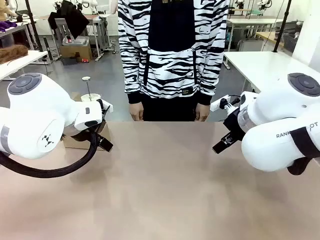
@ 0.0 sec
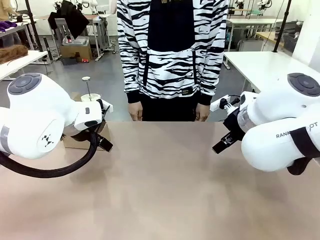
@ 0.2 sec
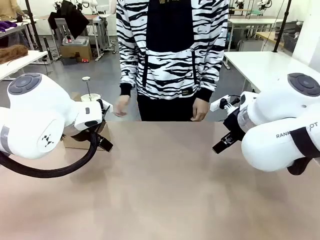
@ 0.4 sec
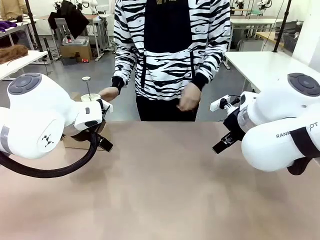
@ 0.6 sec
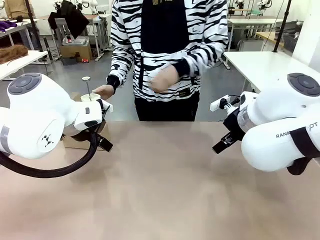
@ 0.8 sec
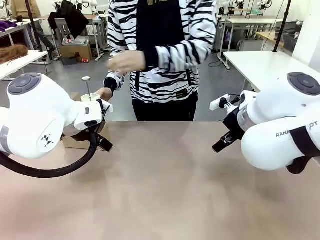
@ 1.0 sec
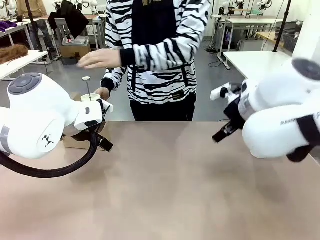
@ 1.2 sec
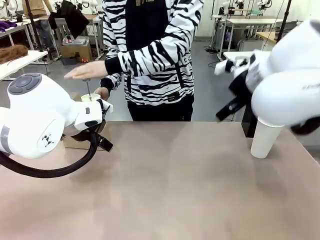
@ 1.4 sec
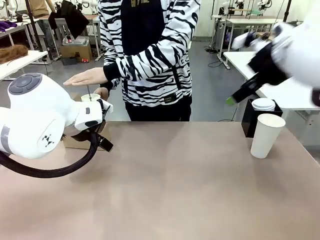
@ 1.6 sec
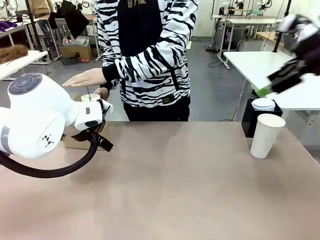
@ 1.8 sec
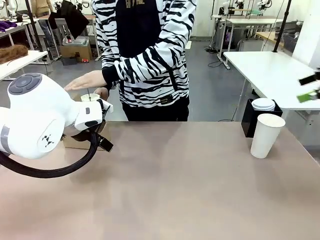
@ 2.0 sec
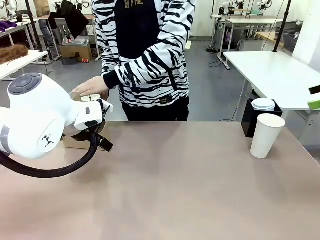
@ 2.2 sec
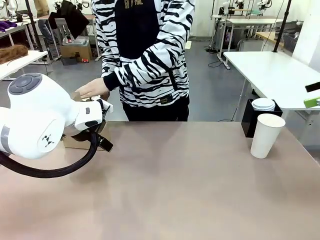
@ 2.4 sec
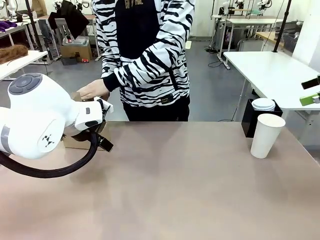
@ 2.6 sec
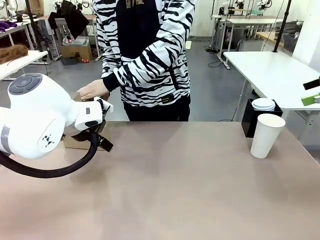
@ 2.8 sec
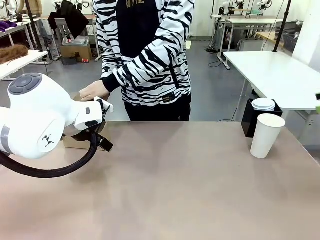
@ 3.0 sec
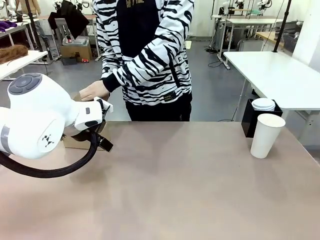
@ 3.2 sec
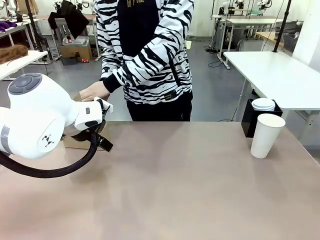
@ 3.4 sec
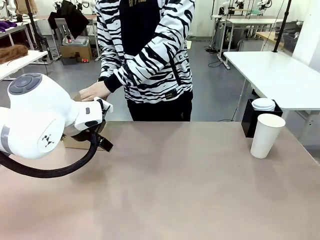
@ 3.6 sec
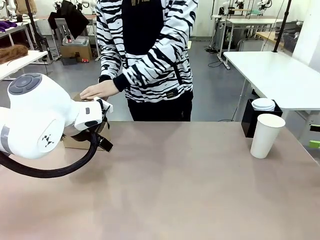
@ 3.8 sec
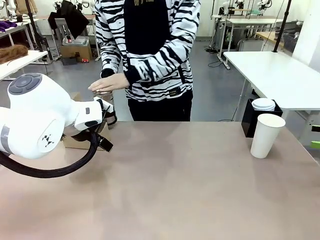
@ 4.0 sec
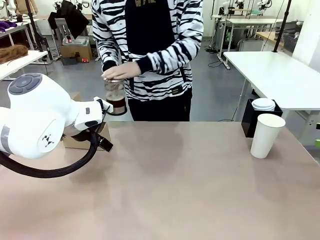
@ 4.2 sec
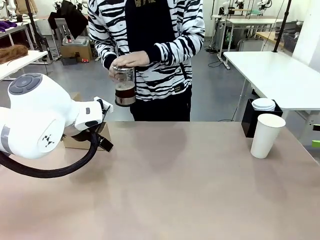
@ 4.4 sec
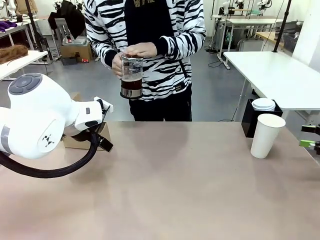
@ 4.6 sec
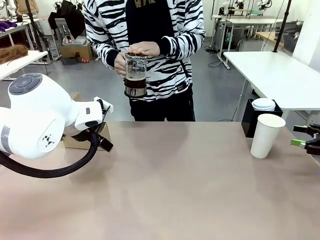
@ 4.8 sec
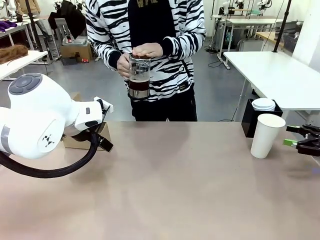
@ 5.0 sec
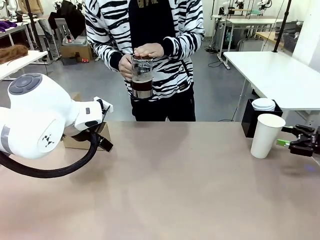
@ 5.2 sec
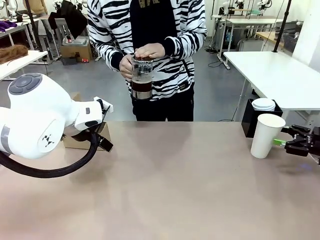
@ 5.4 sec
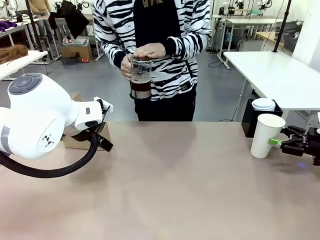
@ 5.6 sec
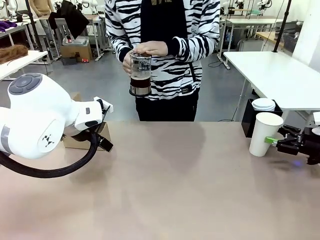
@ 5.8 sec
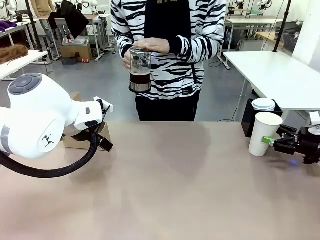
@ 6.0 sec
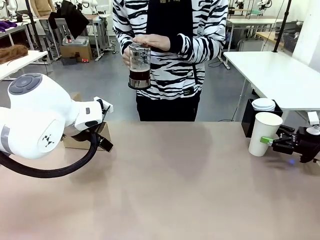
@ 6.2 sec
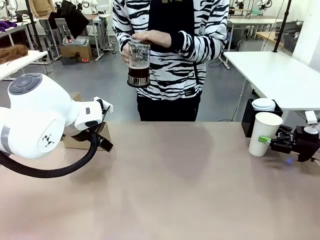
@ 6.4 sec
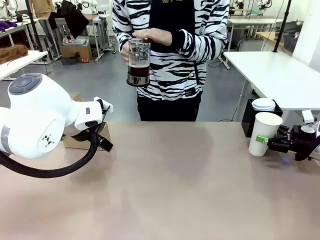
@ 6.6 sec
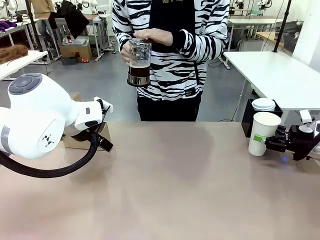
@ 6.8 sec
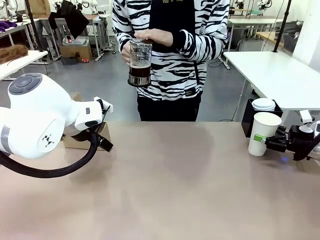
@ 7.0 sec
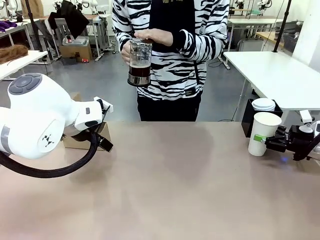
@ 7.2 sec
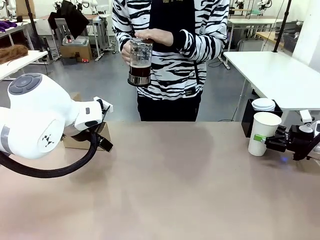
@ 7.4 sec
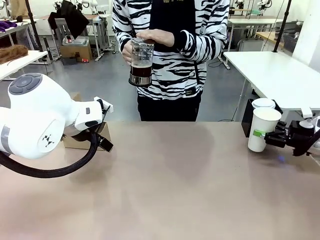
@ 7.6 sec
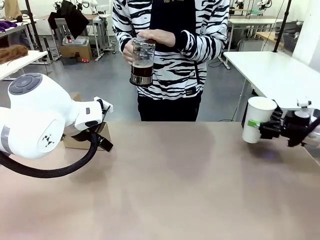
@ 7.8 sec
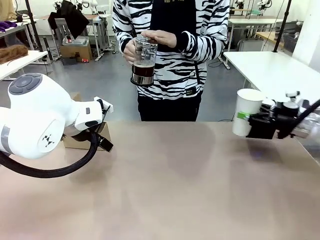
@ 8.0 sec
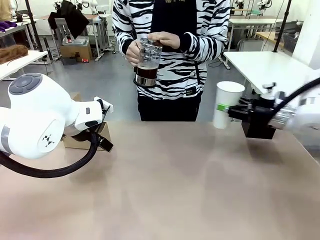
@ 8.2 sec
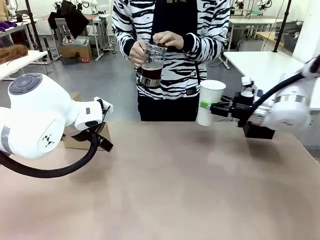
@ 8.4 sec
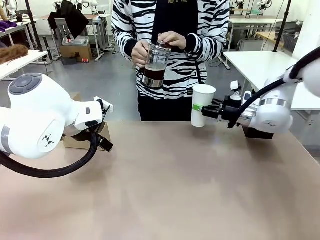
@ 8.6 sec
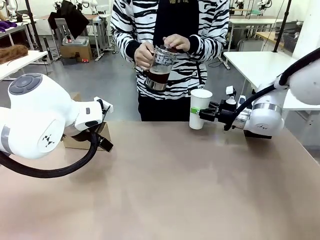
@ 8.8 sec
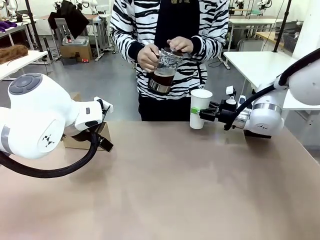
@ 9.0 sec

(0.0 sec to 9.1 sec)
Task: Pour a drink into a cup and package it in a carrier.
Robot: Pick up the 600 ml Paper Cup and place it in the middle top area of the table.
Person: Press and pick up the Filter Brewing.

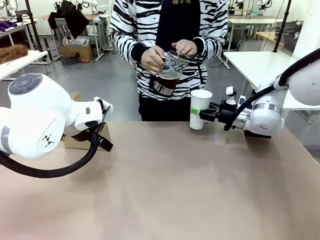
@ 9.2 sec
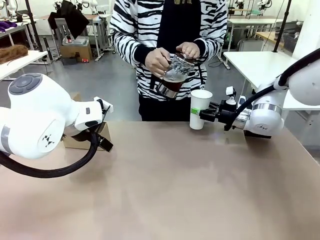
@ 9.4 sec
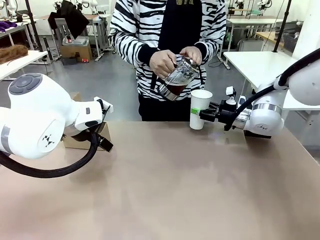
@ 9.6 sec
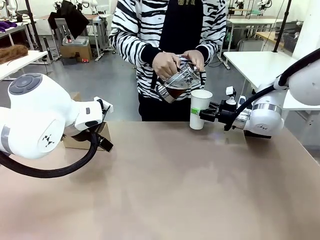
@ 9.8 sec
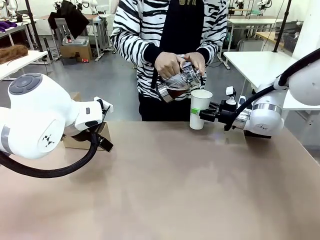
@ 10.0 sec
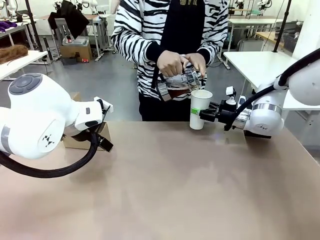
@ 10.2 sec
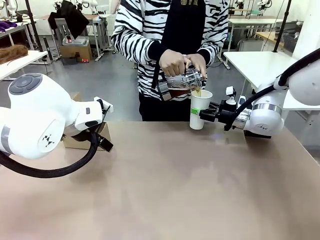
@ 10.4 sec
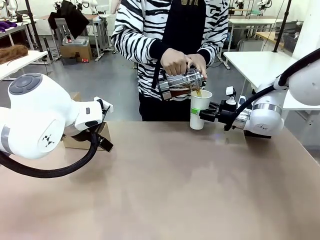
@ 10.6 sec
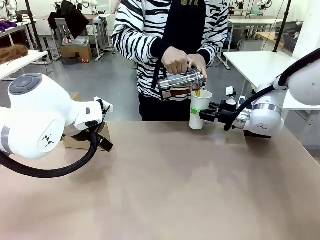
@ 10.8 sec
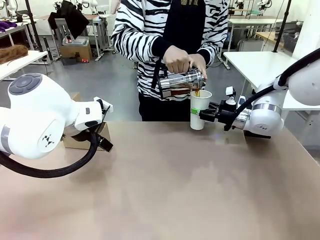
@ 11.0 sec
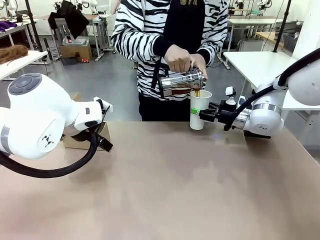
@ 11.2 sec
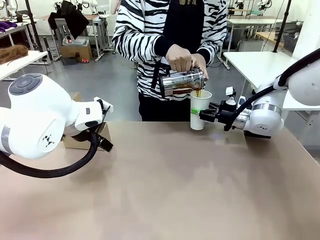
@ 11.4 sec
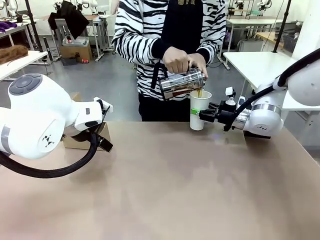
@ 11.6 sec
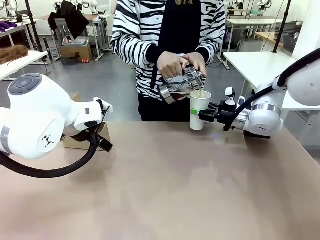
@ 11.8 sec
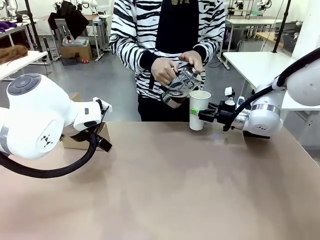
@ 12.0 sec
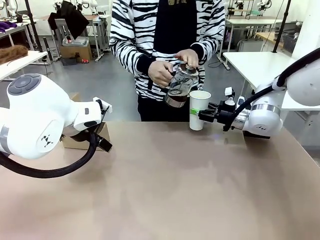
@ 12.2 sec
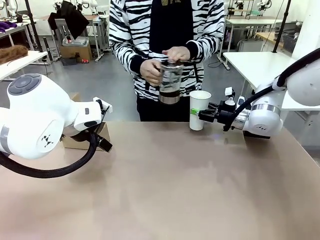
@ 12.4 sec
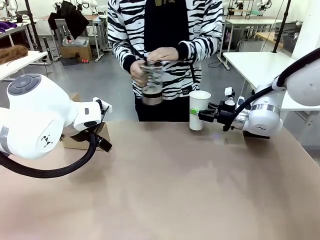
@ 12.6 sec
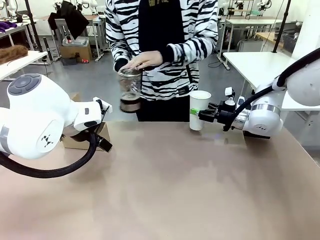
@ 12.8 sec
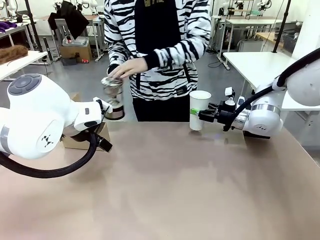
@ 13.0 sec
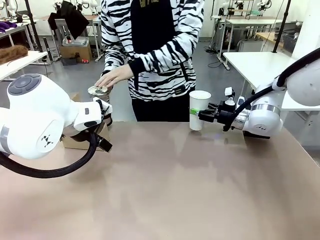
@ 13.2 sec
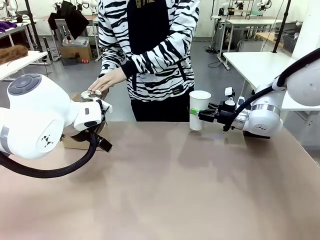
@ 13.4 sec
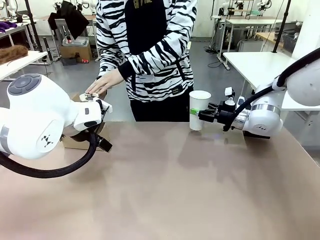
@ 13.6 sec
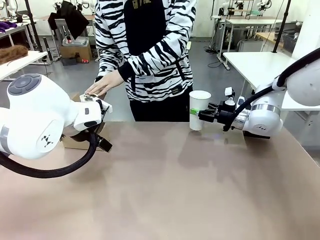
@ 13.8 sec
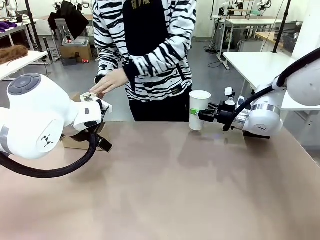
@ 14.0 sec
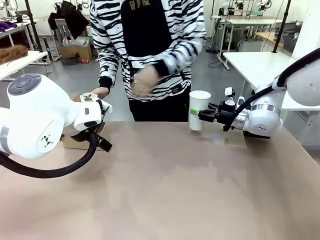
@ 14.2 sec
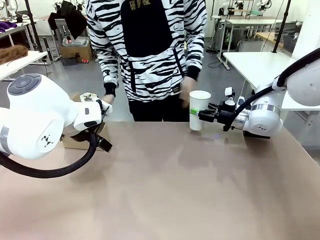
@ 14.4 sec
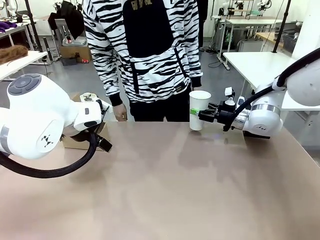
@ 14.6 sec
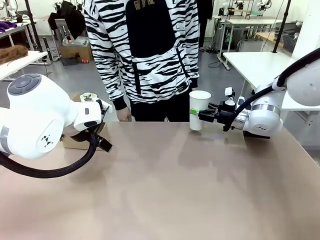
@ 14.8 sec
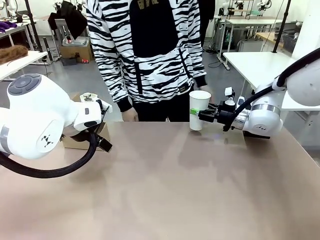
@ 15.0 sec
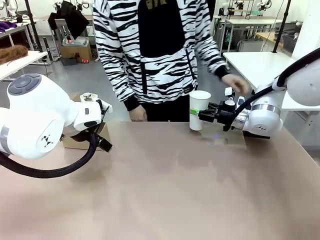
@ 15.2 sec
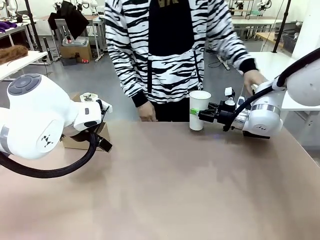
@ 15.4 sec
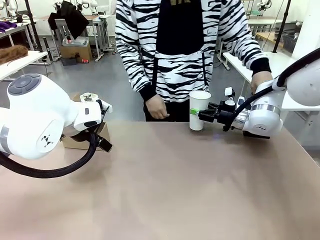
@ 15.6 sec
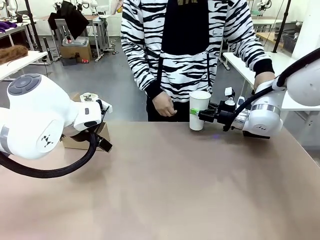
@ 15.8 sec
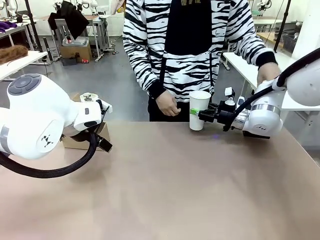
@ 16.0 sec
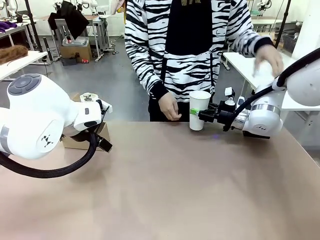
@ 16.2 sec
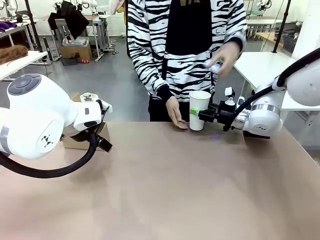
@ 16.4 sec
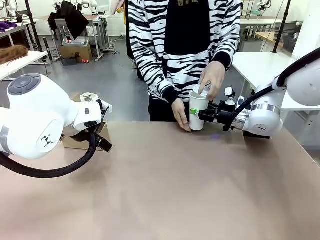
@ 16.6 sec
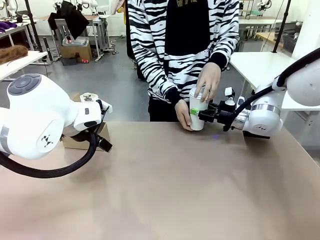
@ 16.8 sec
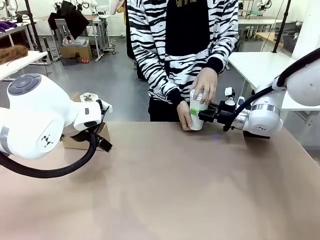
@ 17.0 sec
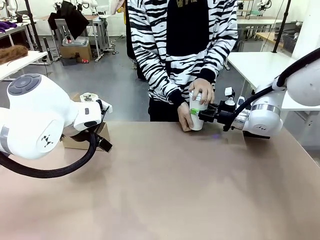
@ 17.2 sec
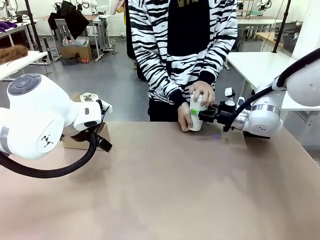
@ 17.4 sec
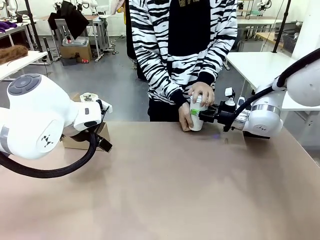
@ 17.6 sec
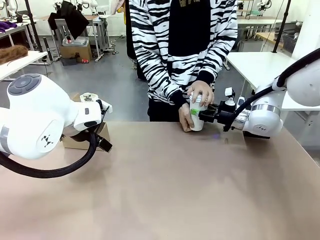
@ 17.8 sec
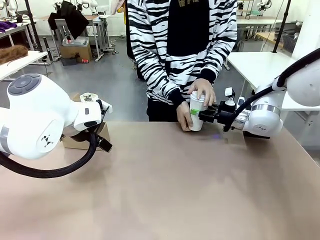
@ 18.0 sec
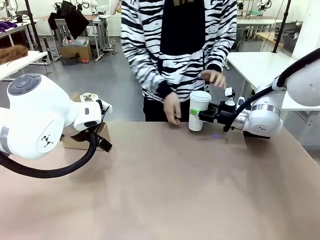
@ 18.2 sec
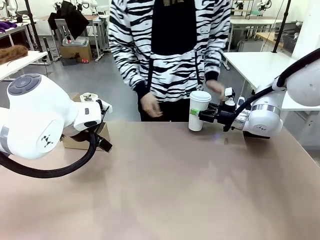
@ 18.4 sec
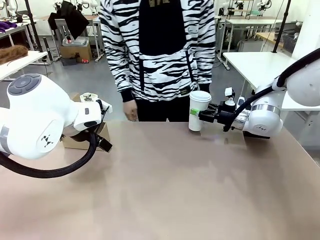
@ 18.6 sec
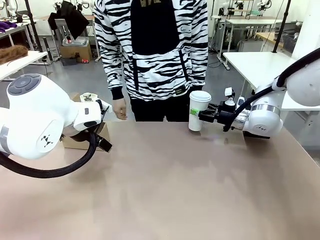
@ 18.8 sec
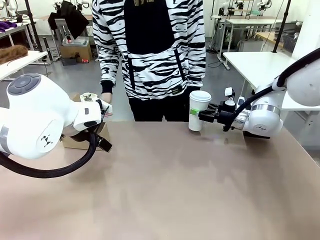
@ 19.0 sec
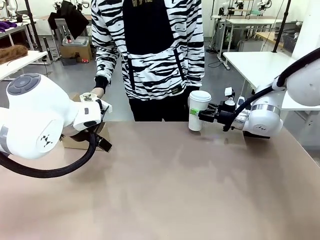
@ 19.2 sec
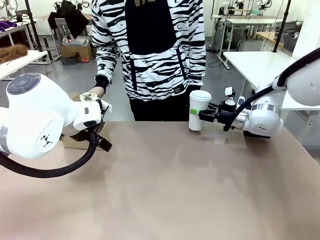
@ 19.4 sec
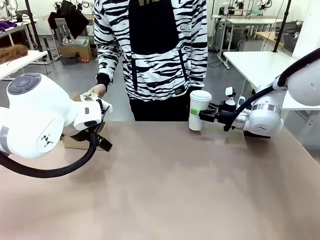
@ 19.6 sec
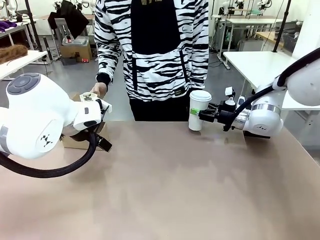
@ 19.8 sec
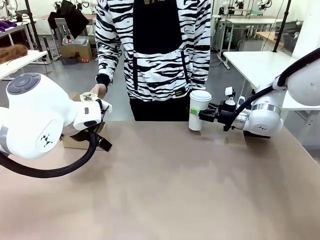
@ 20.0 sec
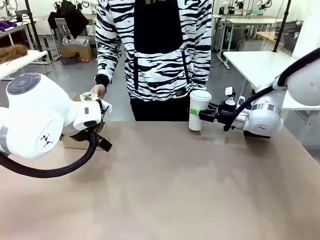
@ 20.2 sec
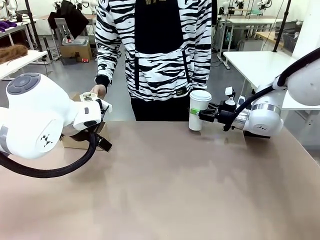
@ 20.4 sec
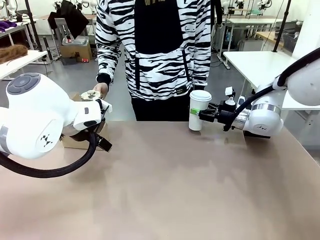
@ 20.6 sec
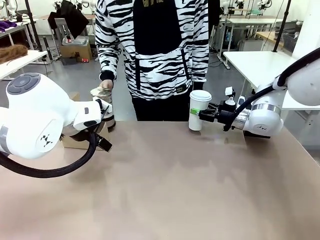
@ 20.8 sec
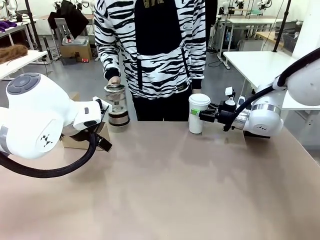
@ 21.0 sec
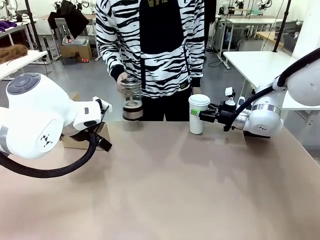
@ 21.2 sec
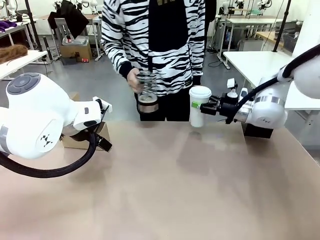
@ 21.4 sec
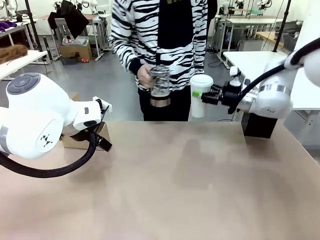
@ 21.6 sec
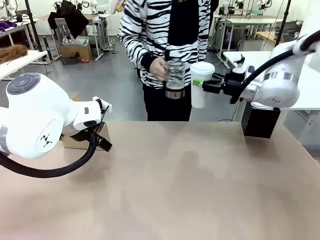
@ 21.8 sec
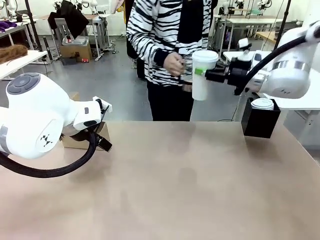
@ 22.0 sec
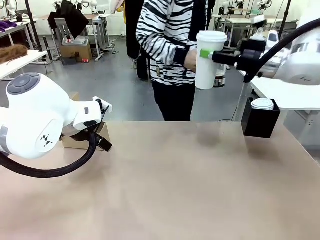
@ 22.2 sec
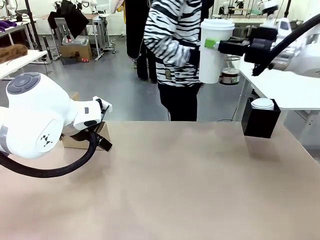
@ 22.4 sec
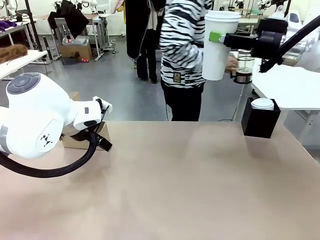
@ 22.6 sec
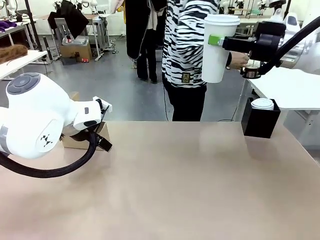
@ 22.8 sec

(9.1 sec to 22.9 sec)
Robot: When a person places the Paper Cup Lid on the 600 ml Paper Cup , lift the 600 ml Paper Cup.
Person: Pour the drink from the Filter Brewing into the 600 ml Paper Cup. Place a Paper Cup Lid on the 600 ml Paper Cup.
